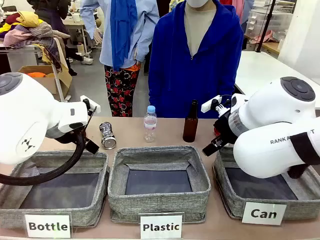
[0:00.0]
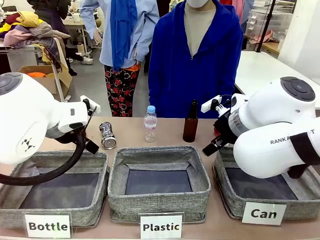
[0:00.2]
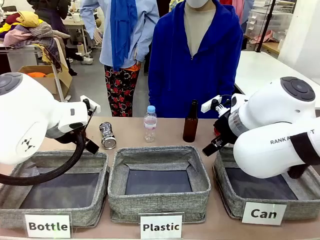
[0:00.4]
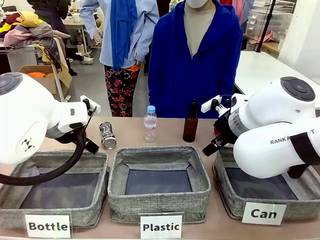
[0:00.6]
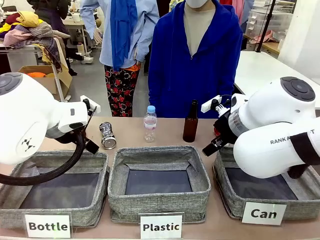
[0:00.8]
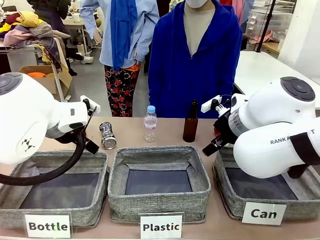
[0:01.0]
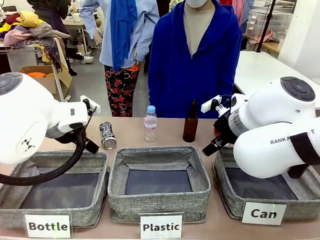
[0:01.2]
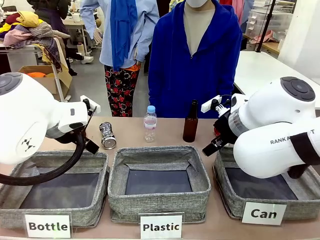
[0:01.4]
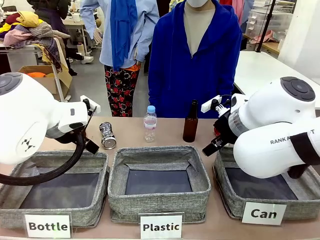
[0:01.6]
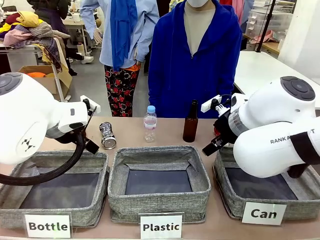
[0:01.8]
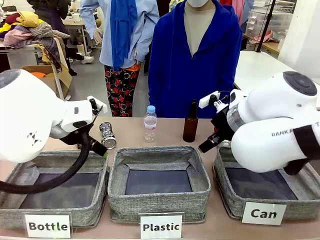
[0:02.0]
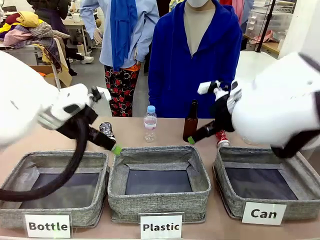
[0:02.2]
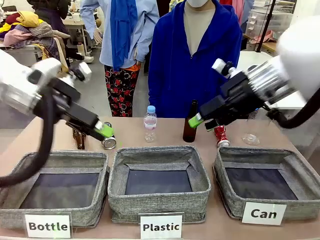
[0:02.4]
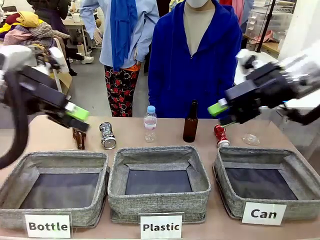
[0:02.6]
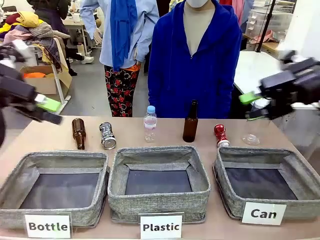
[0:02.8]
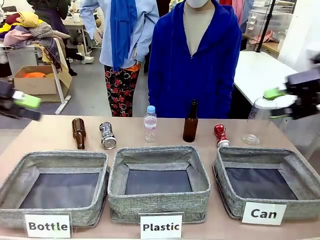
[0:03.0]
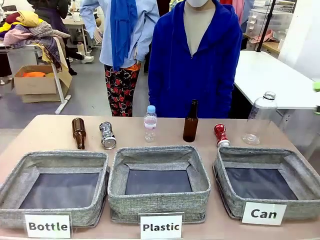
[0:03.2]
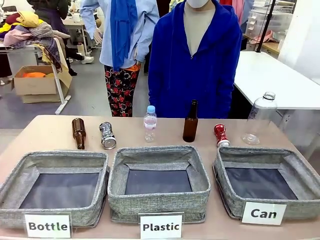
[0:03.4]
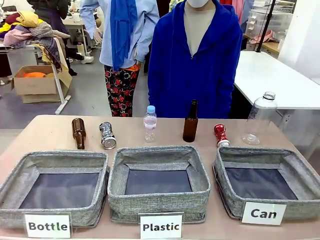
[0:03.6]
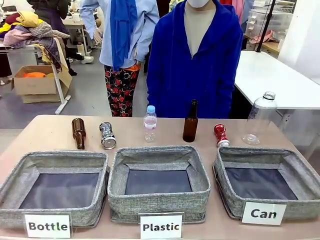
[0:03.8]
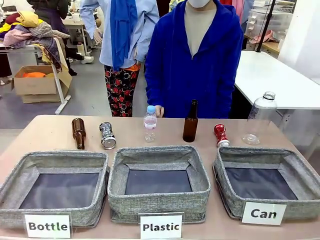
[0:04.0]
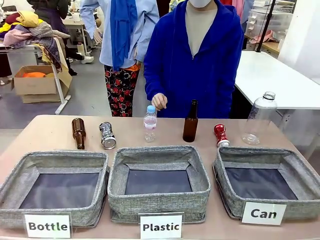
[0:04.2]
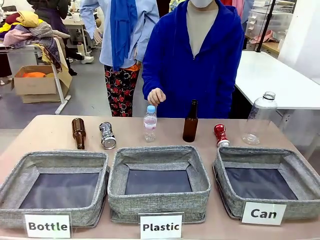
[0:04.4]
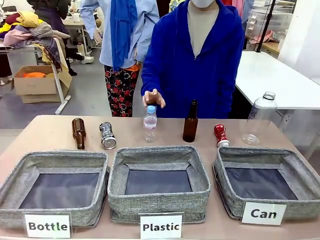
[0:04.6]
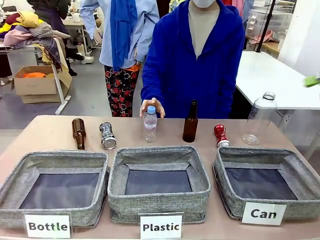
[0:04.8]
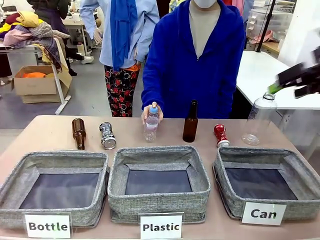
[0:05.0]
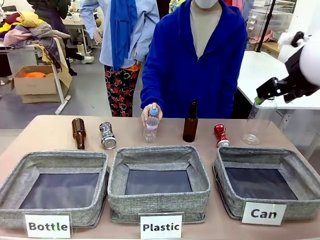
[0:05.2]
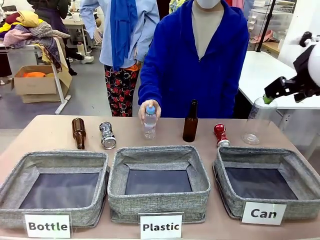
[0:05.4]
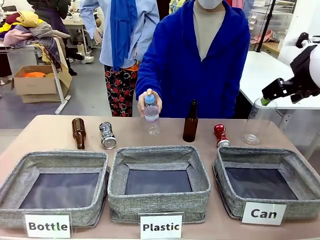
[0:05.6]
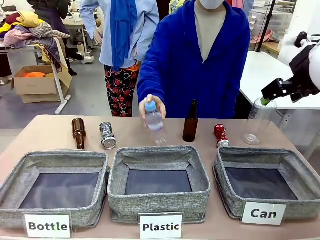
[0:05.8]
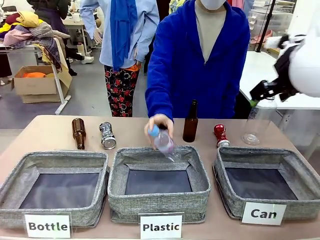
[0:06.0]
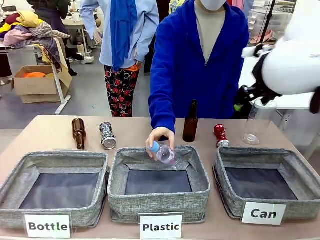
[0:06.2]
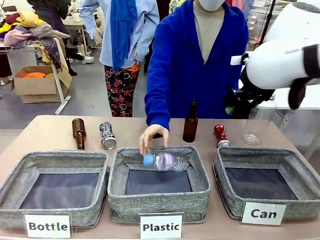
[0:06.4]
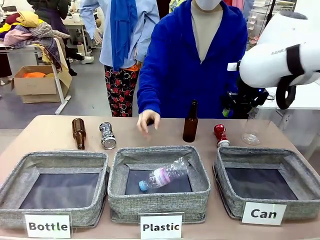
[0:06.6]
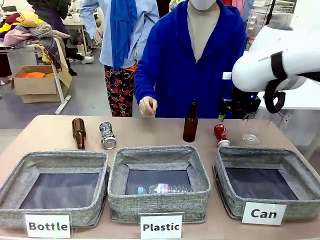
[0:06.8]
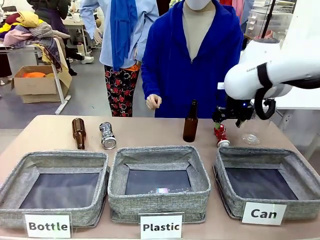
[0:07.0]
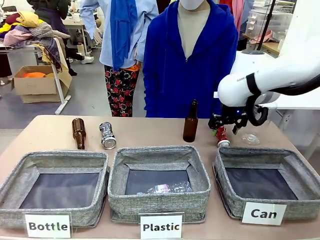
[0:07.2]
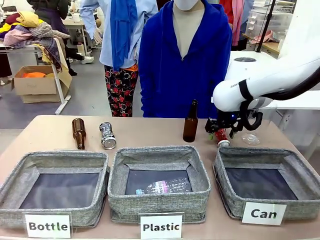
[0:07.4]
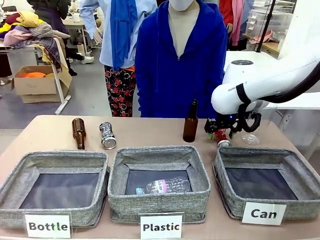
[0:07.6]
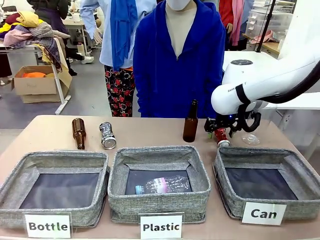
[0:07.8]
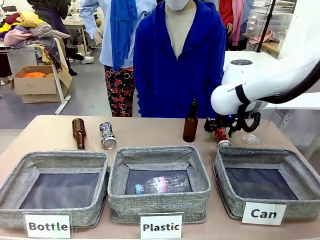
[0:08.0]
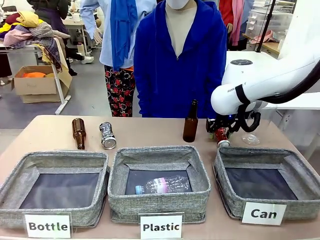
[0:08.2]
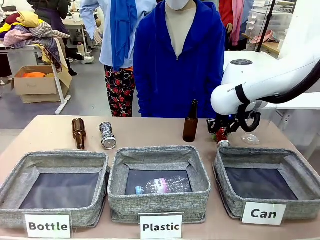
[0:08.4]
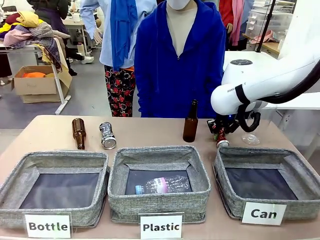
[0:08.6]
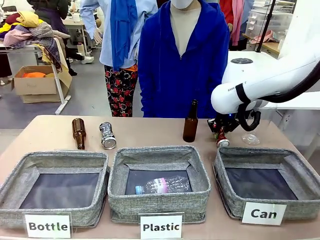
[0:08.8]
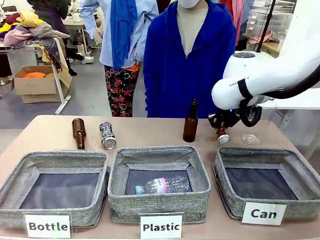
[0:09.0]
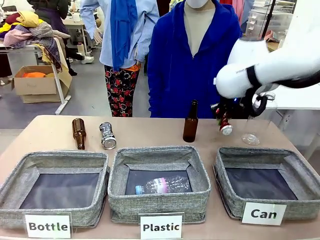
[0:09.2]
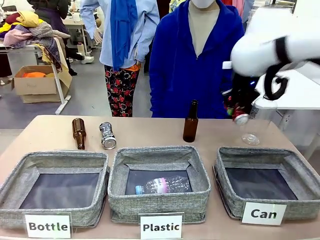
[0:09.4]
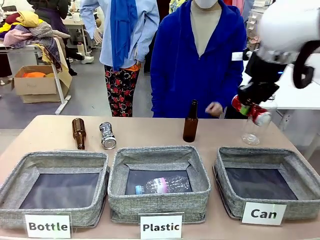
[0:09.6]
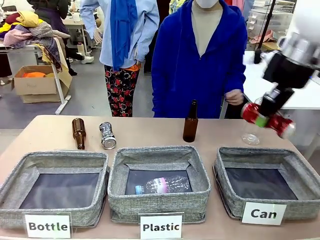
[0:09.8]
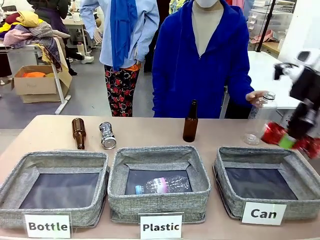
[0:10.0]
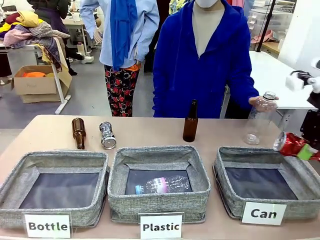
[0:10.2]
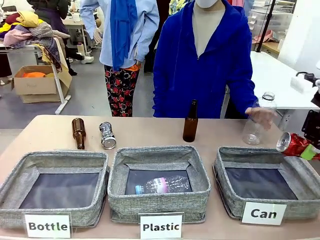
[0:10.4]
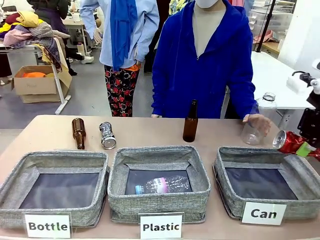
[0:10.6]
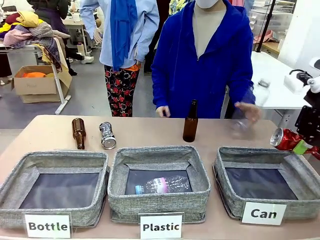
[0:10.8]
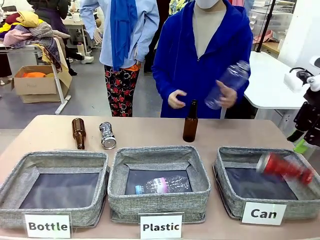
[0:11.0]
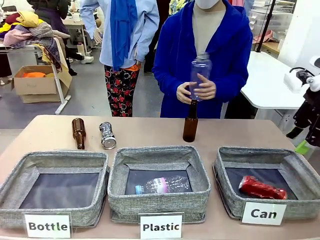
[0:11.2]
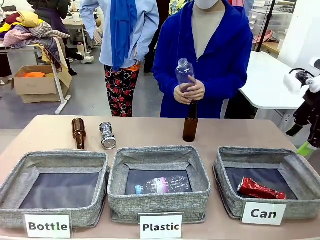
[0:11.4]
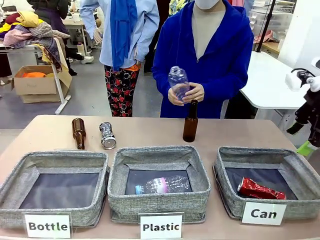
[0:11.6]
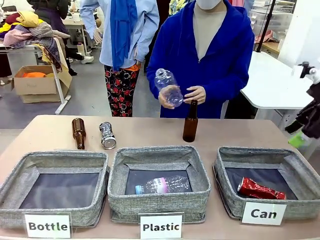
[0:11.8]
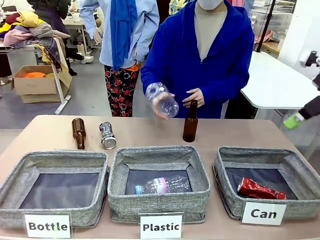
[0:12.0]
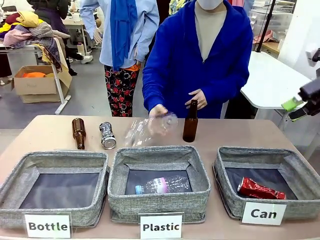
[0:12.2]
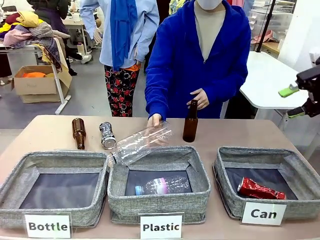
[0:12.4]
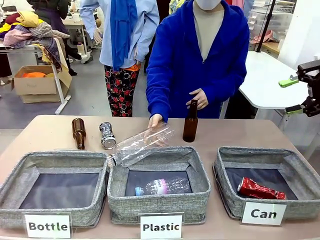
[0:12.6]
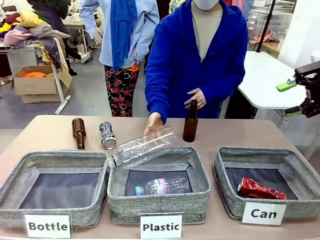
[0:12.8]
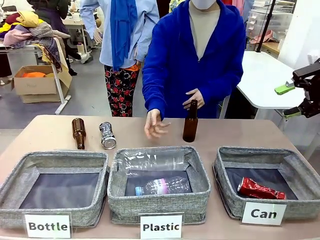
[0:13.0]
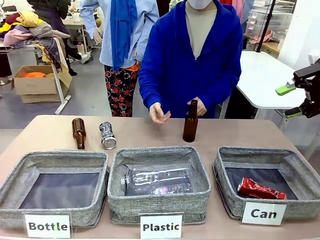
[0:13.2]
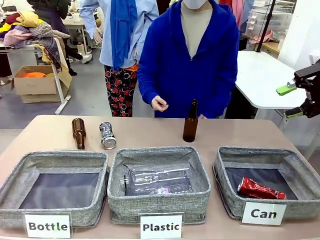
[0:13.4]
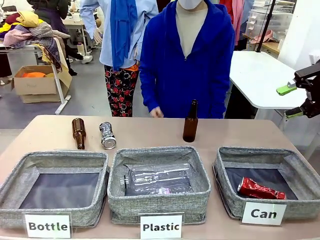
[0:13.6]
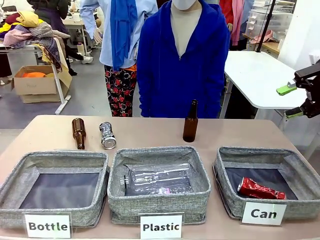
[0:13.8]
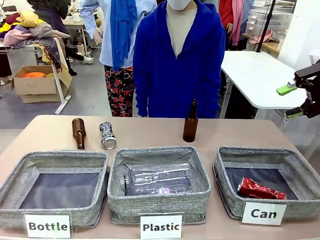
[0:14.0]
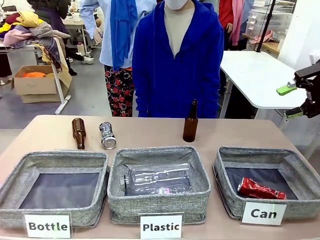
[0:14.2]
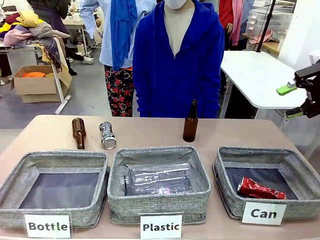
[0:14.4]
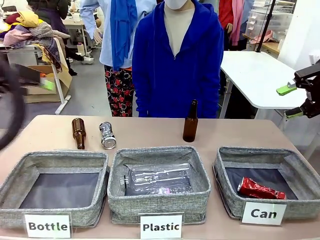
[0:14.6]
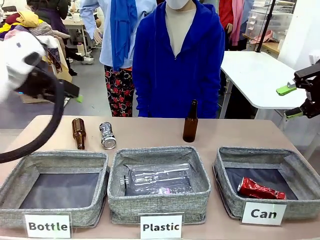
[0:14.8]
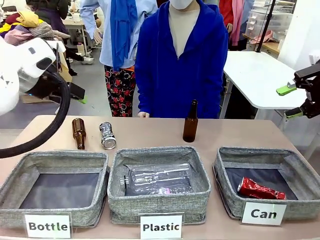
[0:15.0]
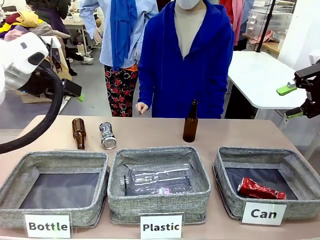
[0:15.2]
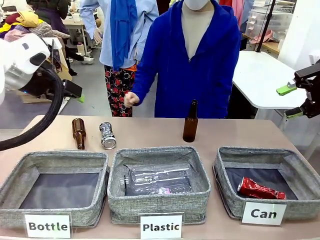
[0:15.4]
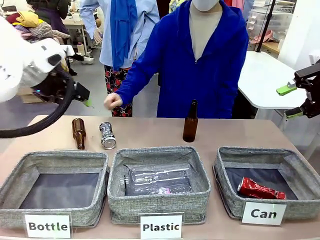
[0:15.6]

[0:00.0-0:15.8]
Task: Sort the can waste into the basket.
Robot: Pick up the can waste from the table and place it in the right Fabric basket.
